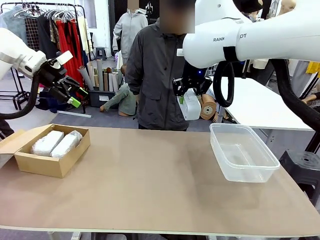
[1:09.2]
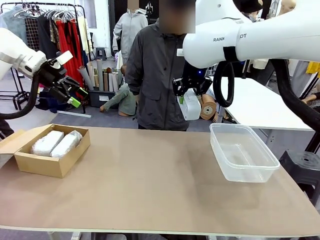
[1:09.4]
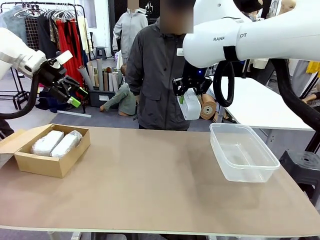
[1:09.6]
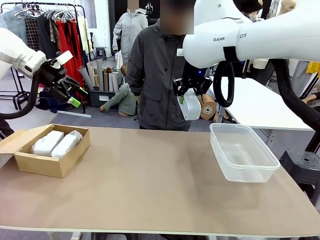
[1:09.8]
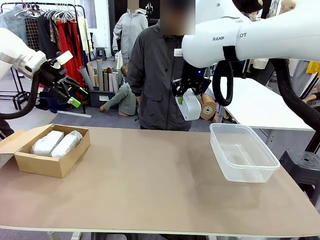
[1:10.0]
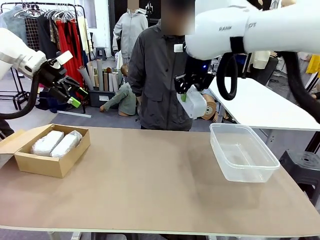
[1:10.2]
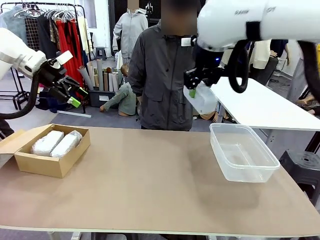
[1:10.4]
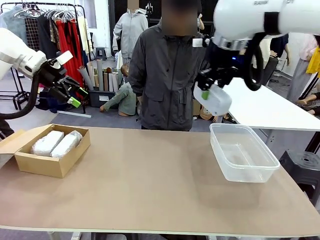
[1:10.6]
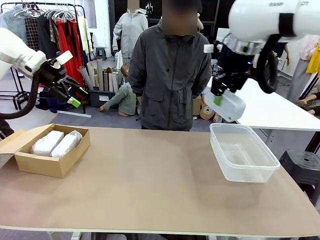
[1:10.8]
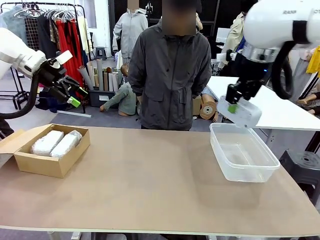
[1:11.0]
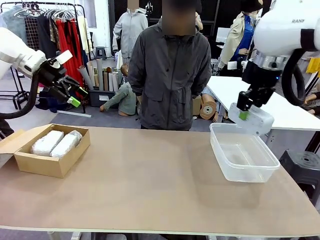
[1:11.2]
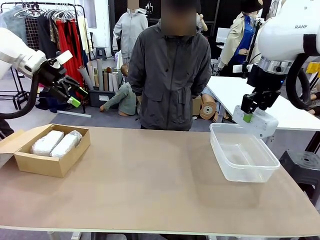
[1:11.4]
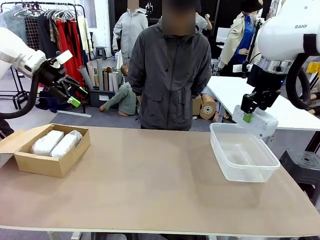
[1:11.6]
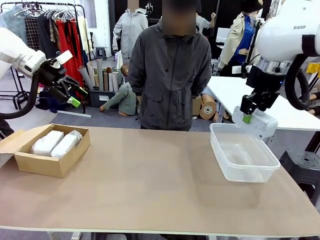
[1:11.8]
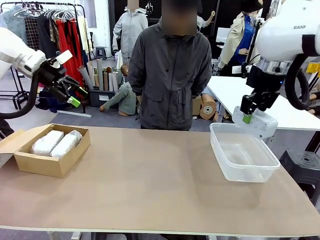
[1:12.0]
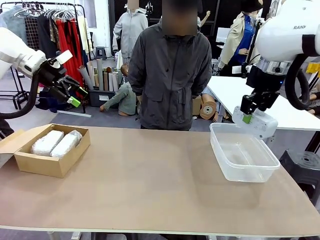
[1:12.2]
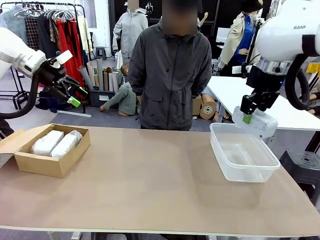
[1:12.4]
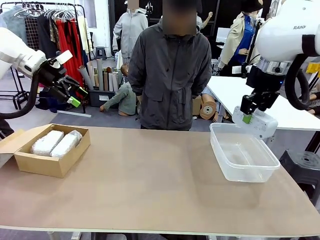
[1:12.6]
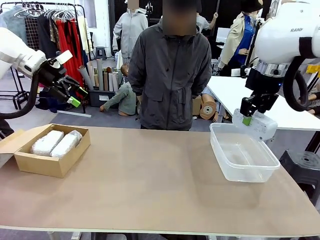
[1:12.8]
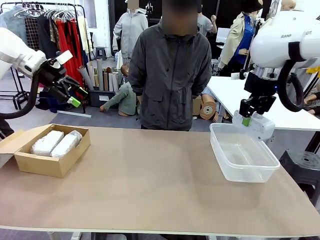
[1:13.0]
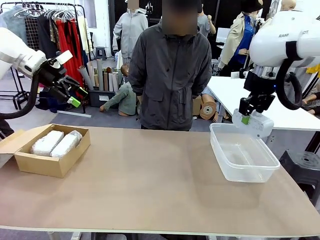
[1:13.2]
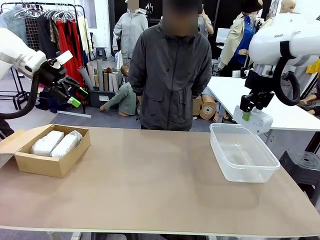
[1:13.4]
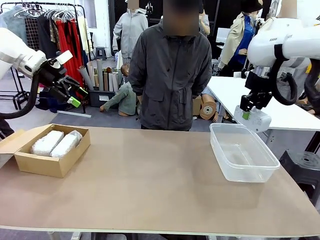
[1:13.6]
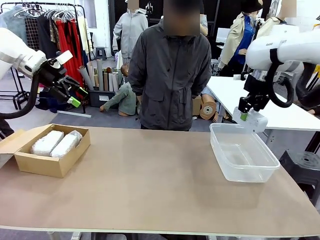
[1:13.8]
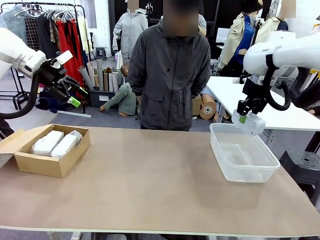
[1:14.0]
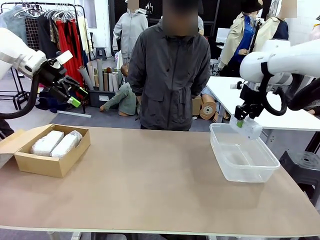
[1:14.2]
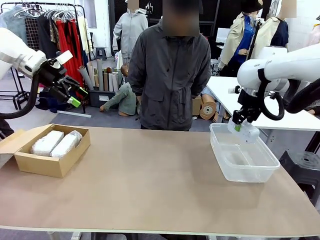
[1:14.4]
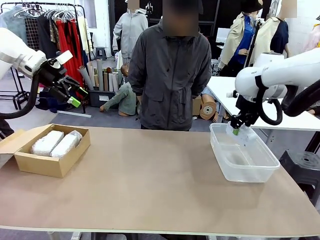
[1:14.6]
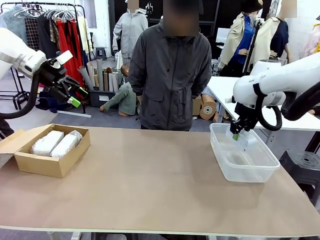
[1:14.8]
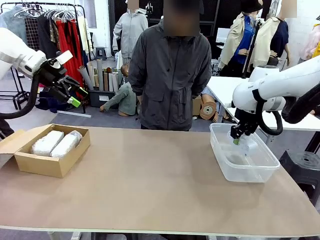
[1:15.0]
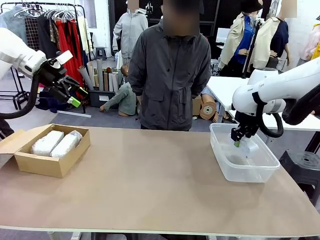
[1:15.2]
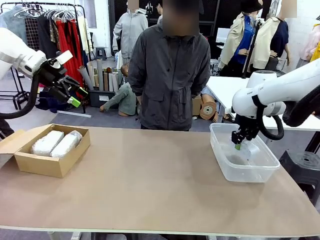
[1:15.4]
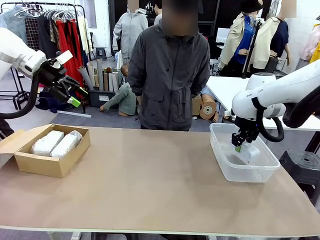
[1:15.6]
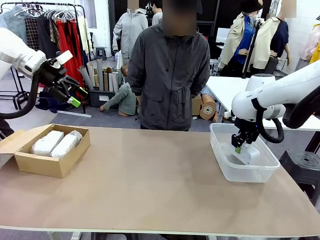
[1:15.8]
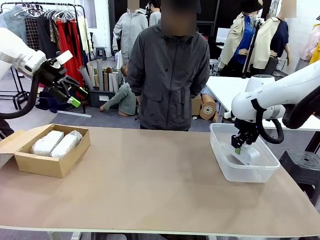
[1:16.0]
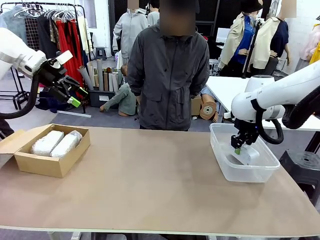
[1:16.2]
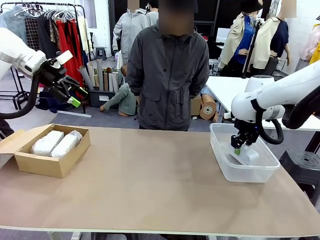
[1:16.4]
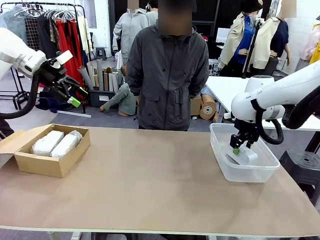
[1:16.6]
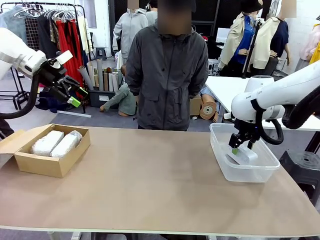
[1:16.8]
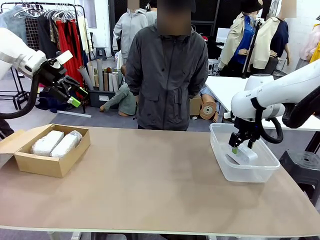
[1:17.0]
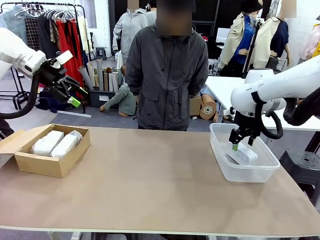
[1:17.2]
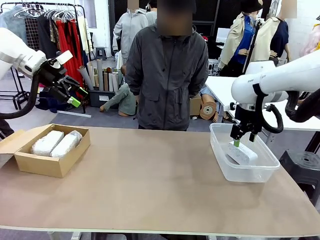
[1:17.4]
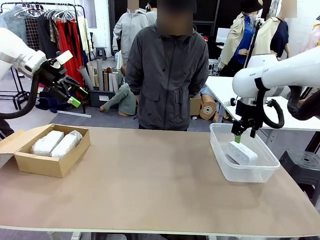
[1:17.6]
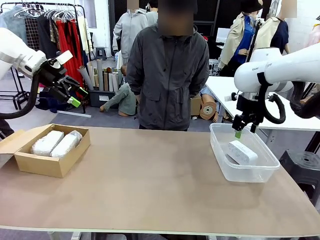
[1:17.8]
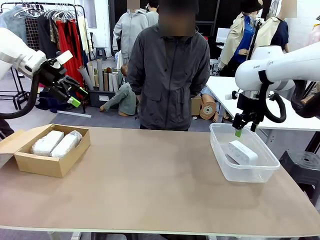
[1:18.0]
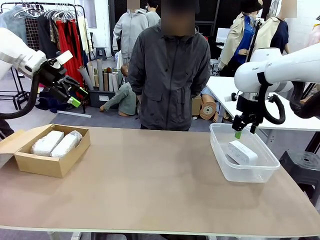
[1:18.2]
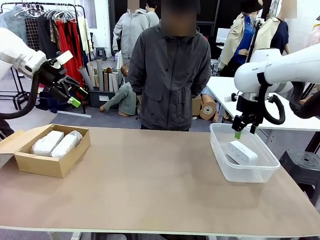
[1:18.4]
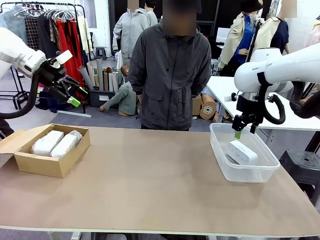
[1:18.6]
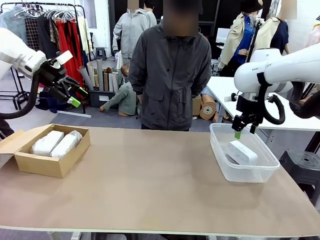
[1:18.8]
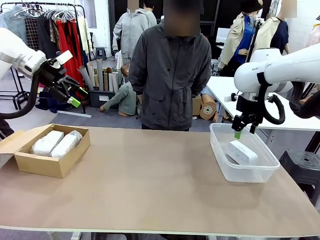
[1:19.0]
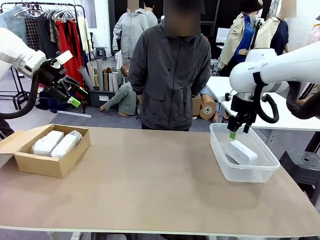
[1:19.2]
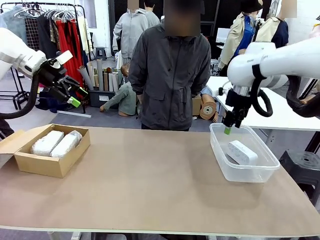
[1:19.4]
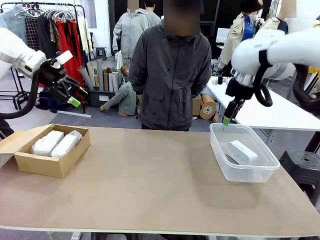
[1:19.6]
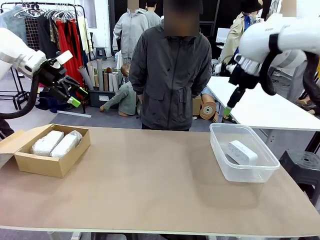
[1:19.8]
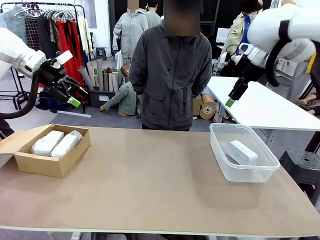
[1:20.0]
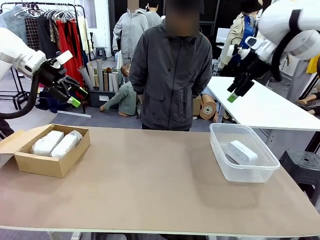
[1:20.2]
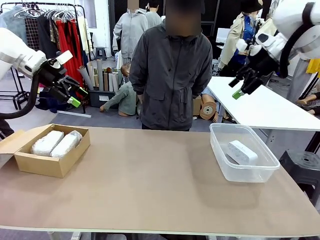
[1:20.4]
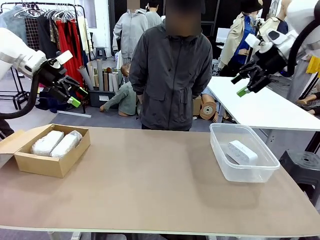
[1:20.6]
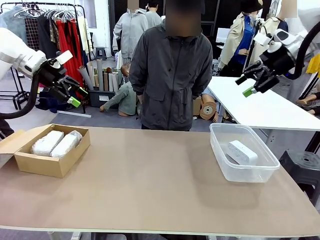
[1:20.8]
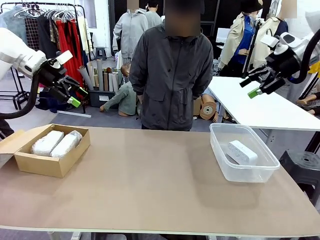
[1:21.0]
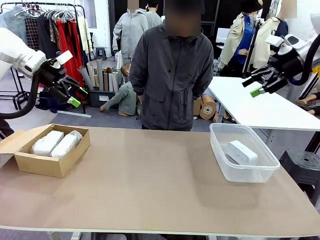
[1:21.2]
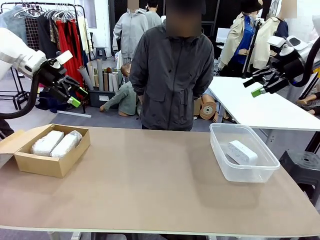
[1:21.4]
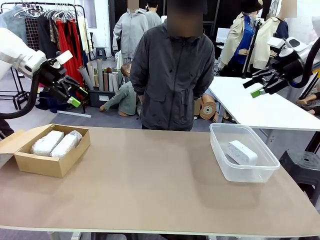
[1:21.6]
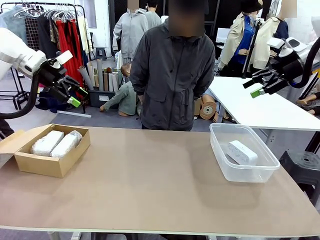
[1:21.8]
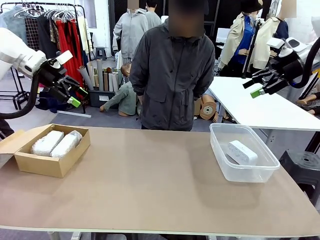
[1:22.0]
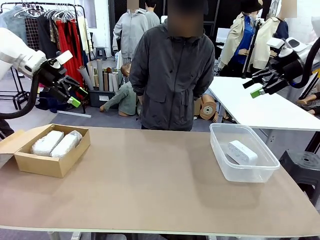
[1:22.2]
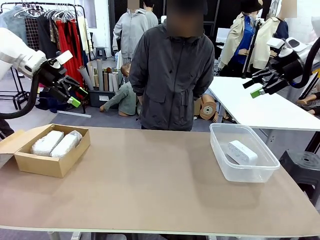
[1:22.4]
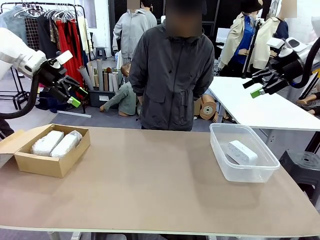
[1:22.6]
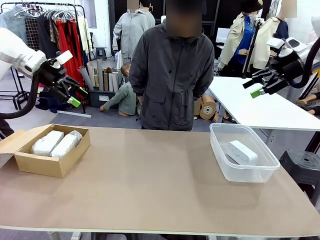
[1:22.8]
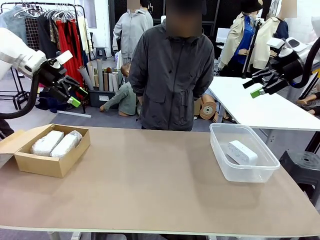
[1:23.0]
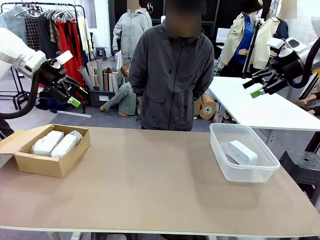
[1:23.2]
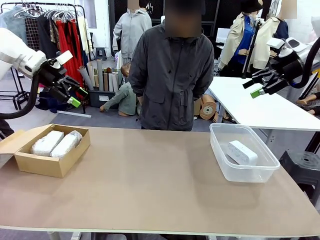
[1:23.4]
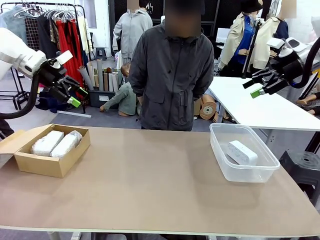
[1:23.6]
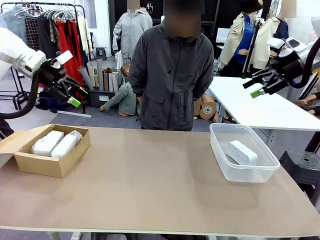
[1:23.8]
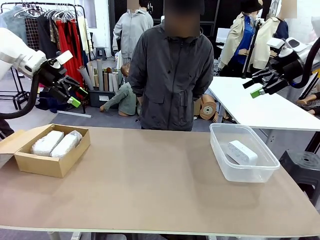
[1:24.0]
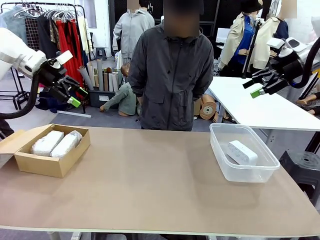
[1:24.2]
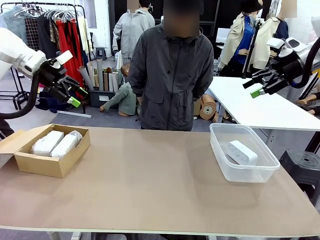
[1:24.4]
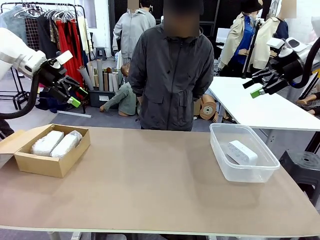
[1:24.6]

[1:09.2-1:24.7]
Task: Separate and place wrapped and unwrapped clocks.
Robot: If the picked Digital clock is wrapped, place it in the Package Box ; if not, place it in the Organizing box.
